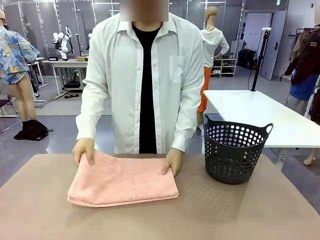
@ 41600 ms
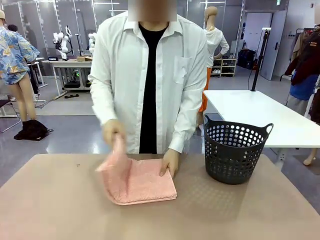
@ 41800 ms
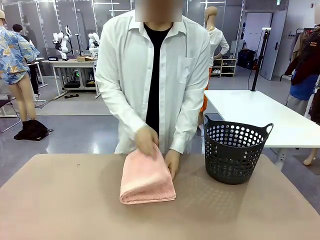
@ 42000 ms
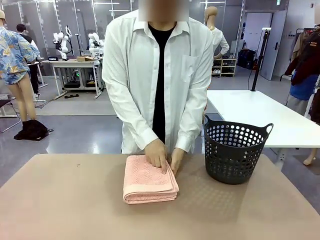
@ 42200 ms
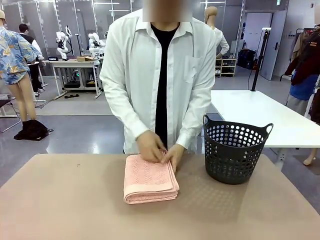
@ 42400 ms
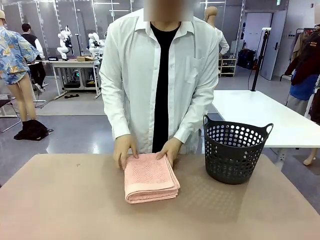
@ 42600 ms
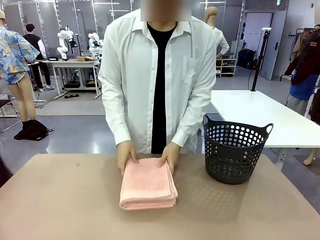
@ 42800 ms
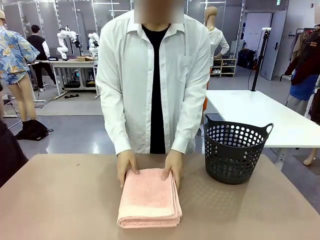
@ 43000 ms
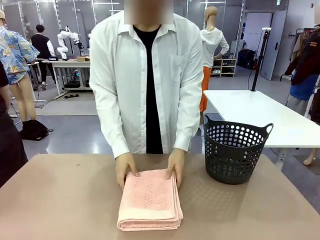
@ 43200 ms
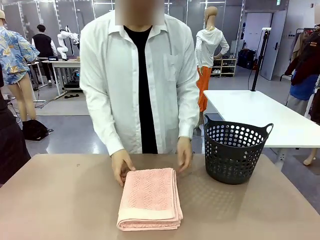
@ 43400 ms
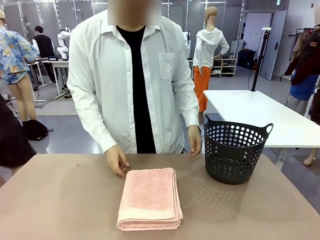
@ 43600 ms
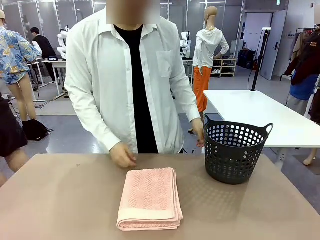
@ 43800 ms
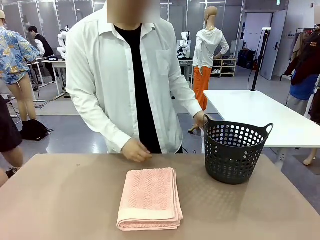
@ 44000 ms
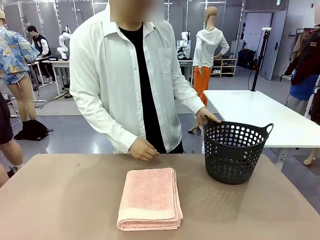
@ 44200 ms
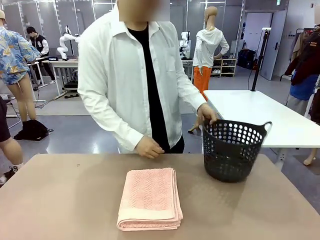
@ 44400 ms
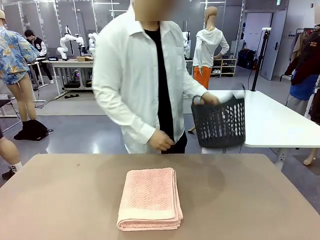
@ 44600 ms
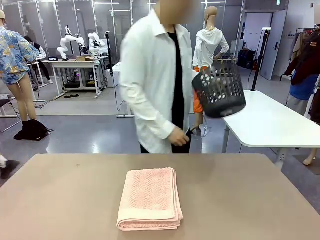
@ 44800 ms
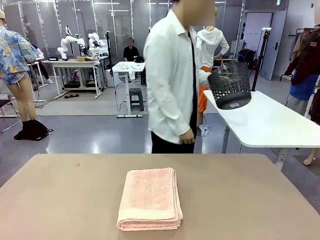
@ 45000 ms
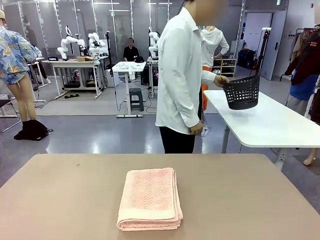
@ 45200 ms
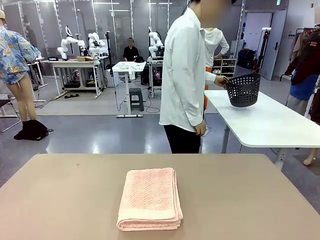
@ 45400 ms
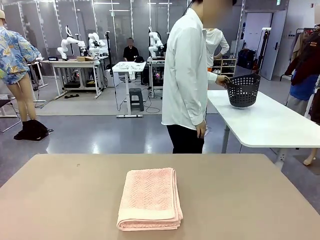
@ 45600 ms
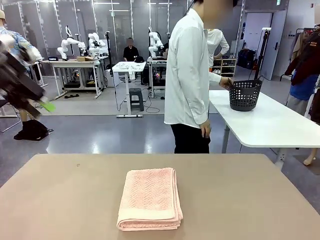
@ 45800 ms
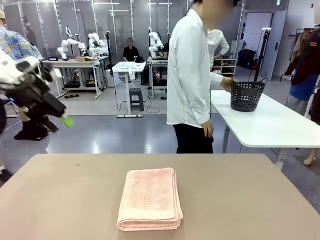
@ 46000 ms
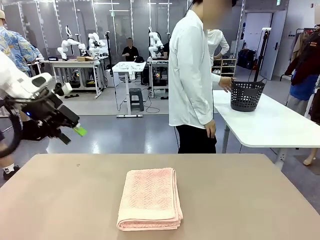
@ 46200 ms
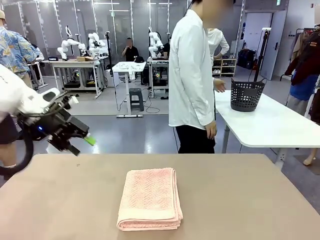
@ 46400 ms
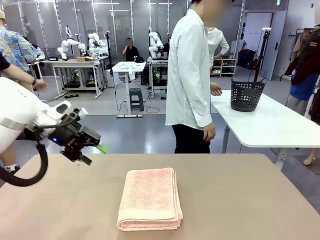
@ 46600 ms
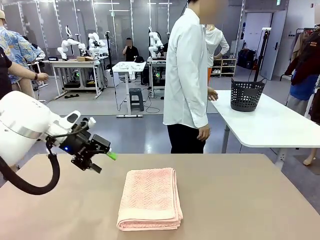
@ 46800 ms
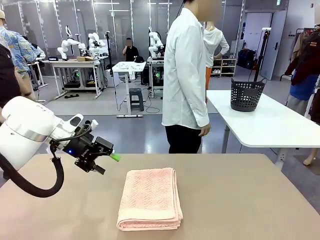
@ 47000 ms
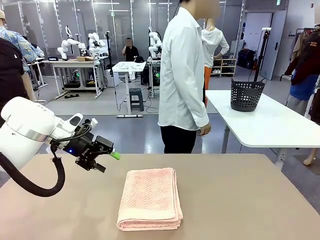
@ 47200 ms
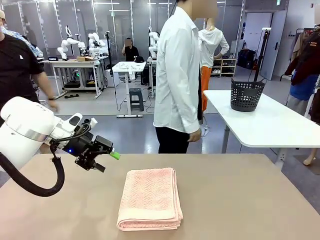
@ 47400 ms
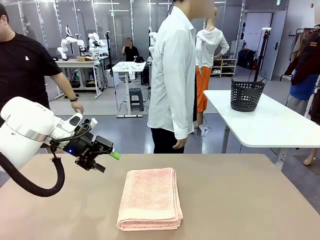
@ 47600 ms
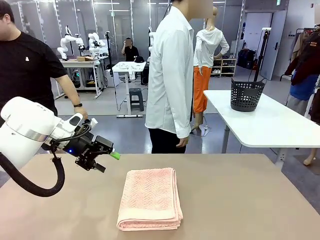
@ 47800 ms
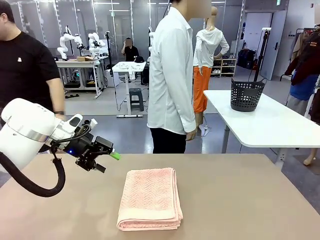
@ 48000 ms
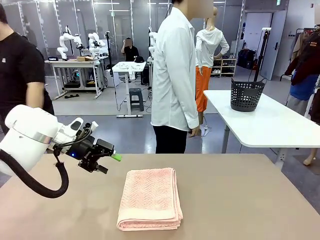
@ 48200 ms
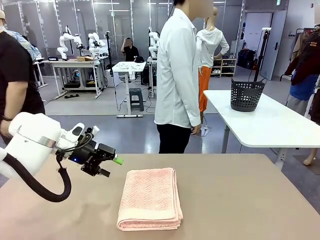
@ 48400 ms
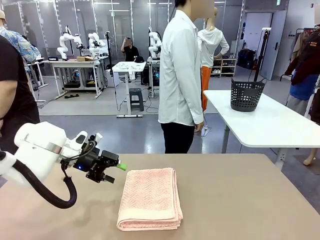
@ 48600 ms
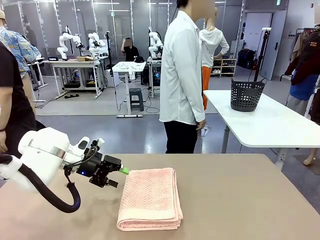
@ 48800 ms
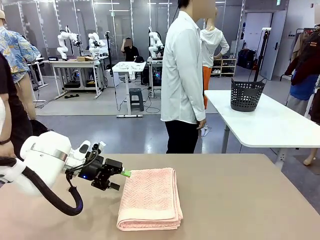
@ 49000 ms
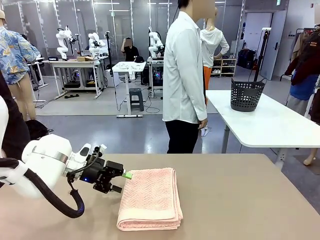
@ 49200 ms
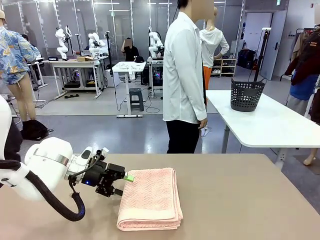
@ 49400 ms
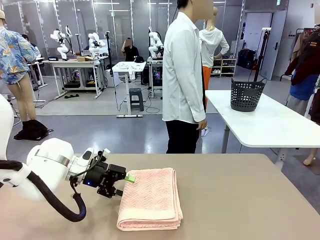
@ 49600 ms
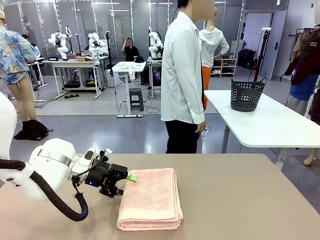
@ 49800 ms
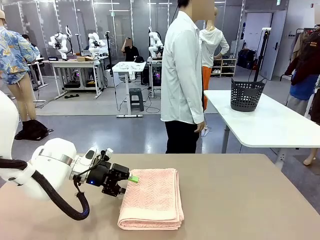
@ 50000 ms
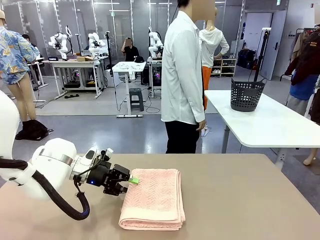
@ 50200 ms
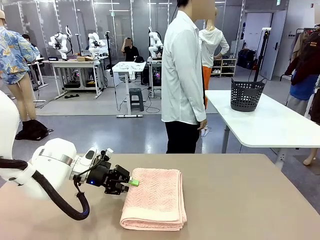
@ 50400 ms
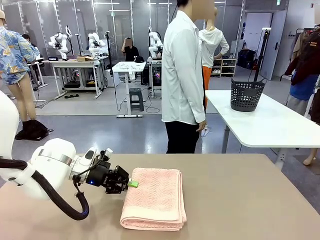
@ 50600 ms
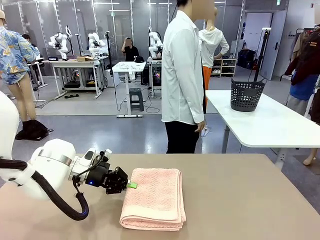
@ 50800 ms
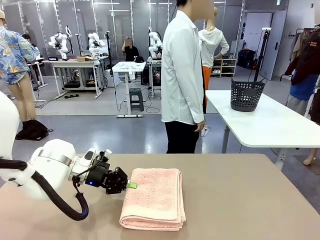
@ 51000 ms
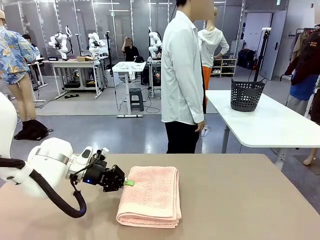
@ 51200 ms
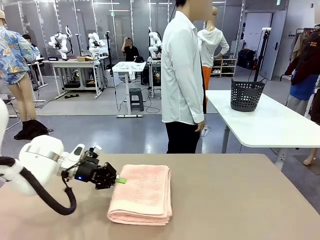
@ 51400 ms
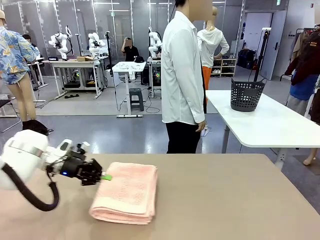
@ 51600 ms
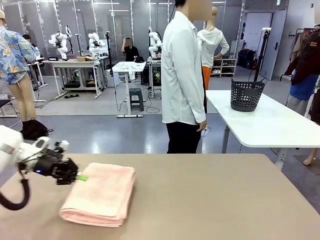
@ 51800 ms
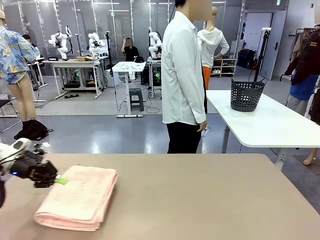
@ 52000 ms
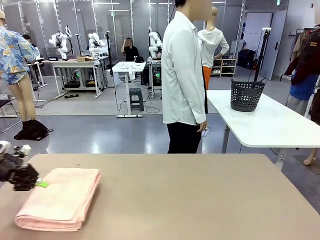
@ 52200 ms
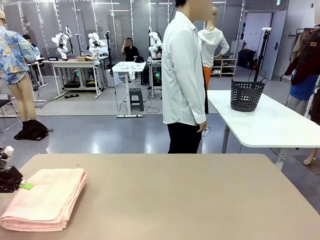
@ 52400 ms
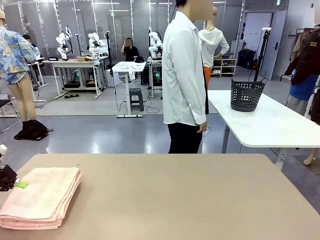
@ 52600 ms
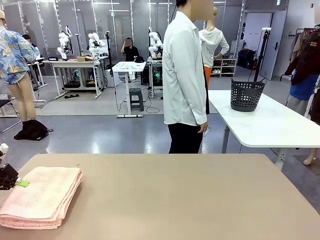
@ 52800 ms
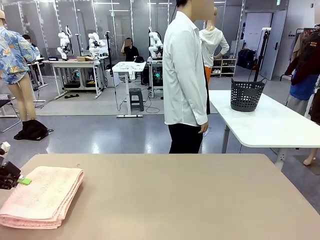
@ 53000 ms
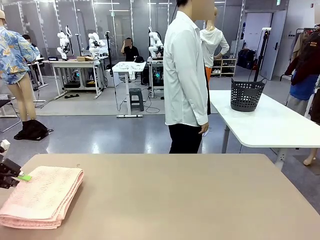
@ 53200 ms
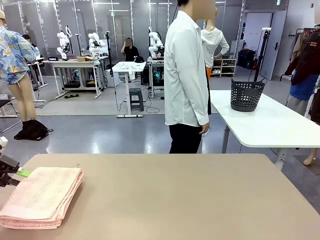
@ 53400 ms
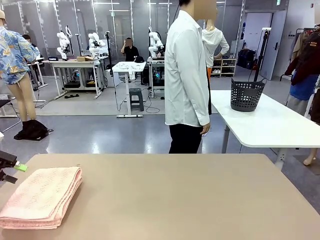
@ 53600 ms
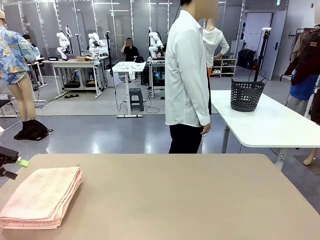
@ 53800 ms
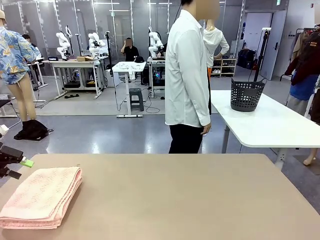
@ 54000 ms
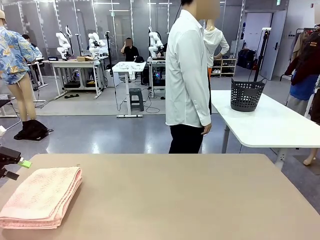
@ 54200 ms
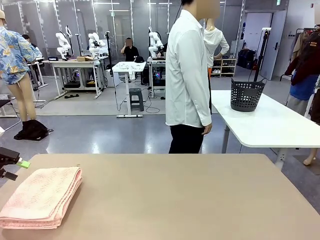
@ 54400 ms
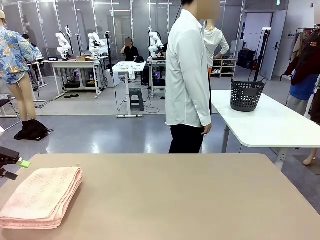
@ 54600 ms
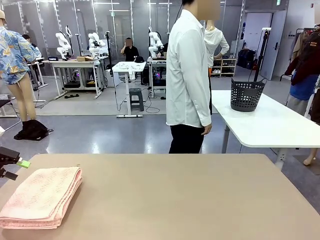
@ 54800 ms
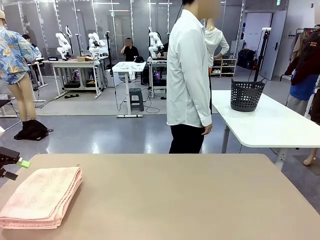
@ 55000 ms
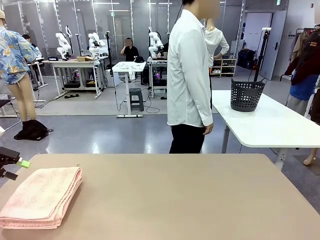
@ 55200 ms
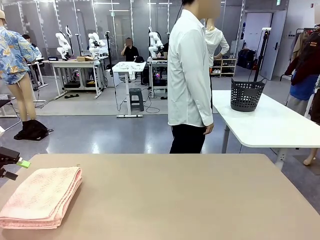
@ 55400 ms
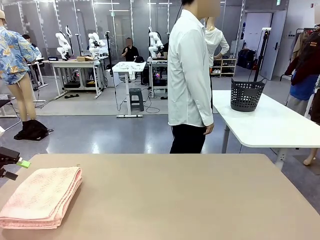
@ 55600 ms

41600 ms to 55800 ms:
Task: Fold the towel.
Robot: Pick up the 100 cm Hotel Towel and place it on the left side of the table.
Person: Pick up the laundry basket and place it at the center of the human table.
